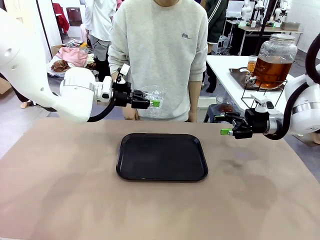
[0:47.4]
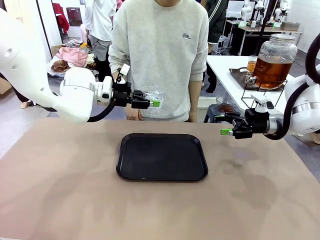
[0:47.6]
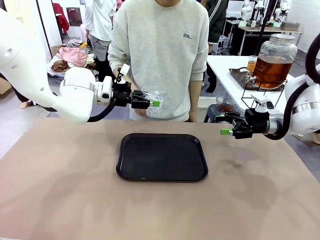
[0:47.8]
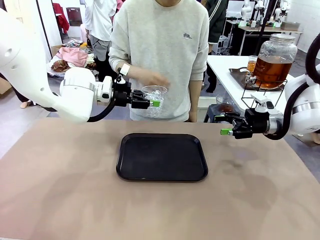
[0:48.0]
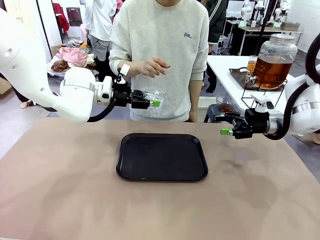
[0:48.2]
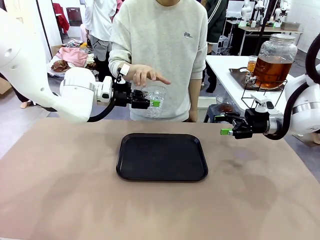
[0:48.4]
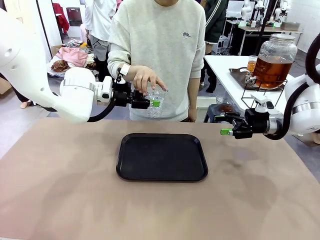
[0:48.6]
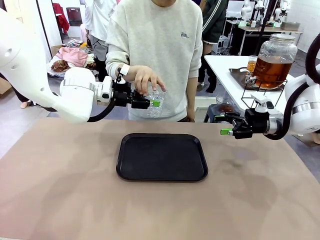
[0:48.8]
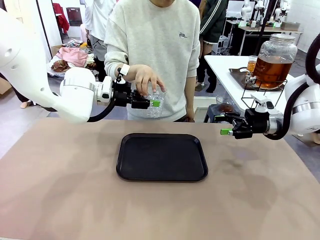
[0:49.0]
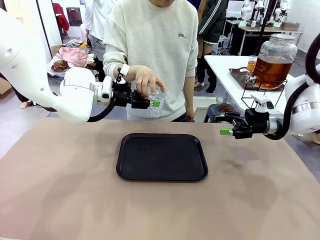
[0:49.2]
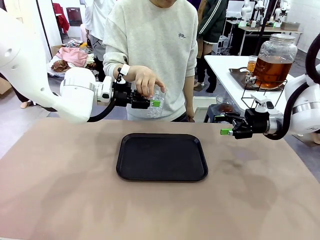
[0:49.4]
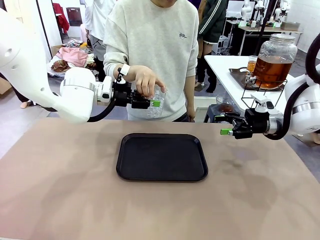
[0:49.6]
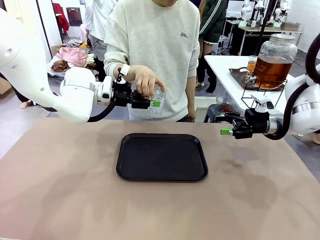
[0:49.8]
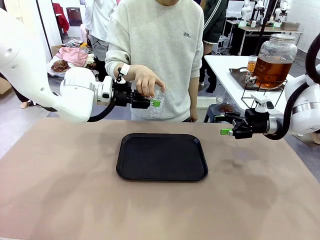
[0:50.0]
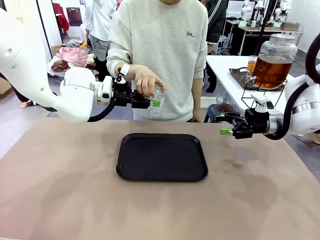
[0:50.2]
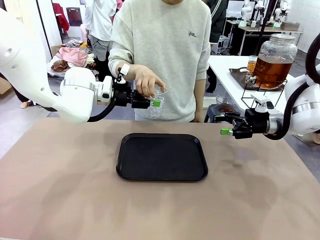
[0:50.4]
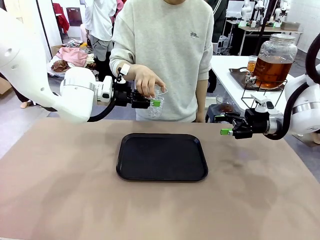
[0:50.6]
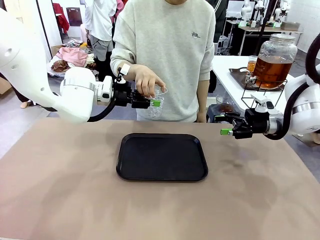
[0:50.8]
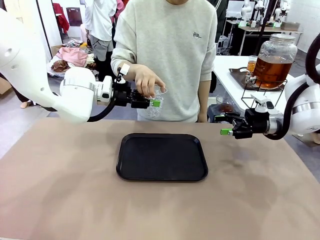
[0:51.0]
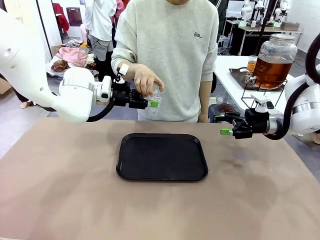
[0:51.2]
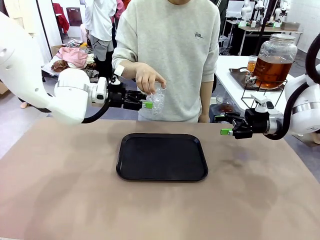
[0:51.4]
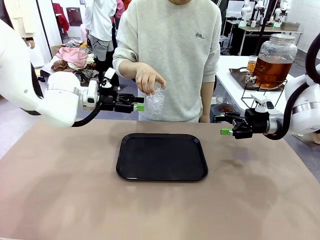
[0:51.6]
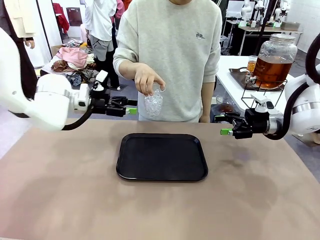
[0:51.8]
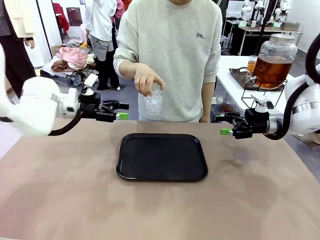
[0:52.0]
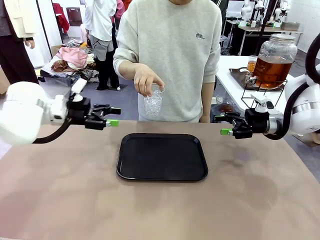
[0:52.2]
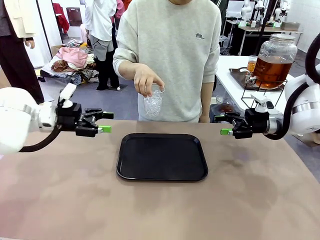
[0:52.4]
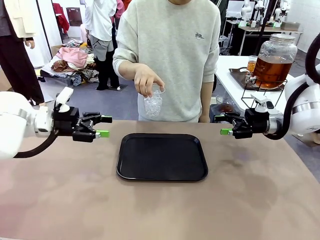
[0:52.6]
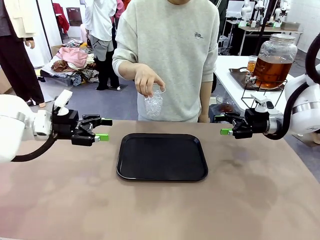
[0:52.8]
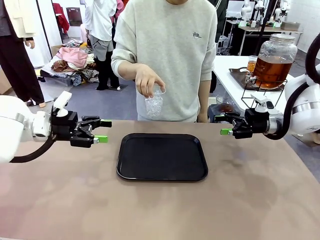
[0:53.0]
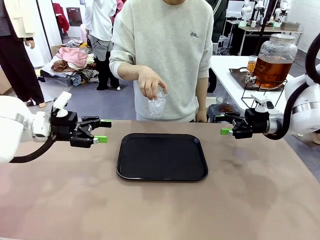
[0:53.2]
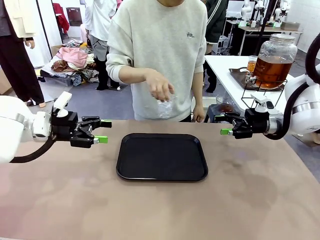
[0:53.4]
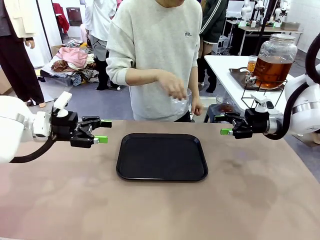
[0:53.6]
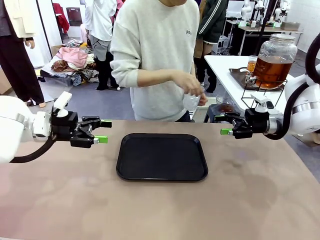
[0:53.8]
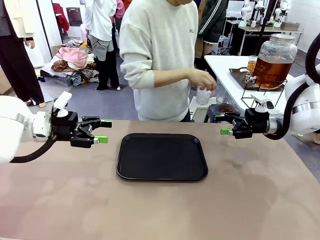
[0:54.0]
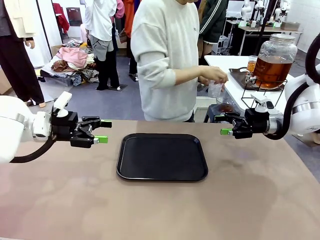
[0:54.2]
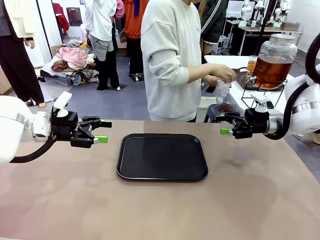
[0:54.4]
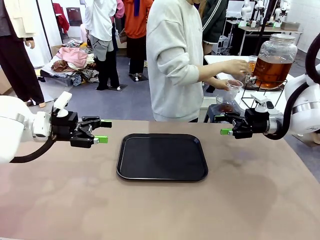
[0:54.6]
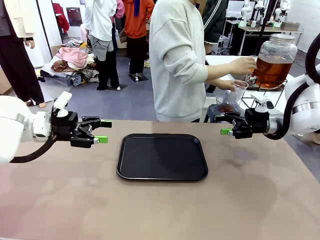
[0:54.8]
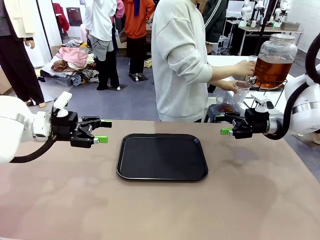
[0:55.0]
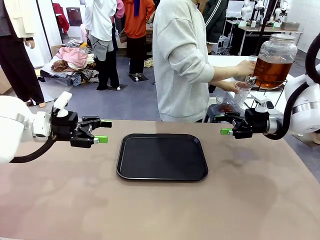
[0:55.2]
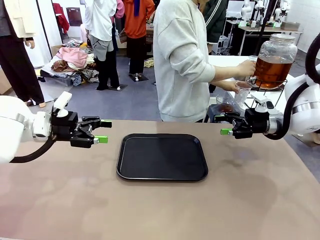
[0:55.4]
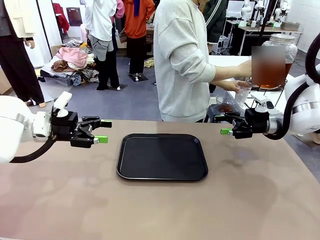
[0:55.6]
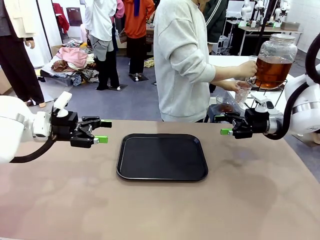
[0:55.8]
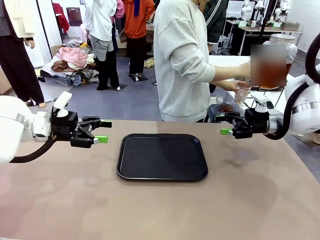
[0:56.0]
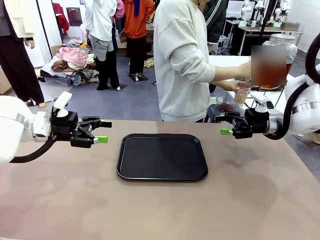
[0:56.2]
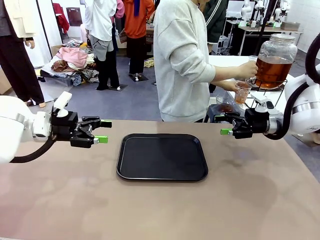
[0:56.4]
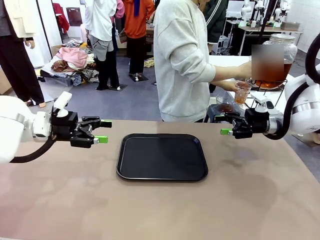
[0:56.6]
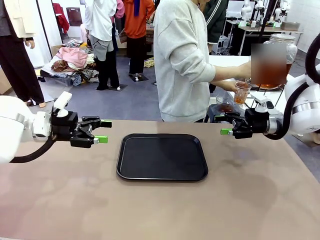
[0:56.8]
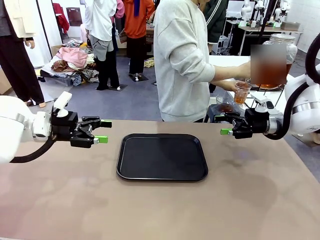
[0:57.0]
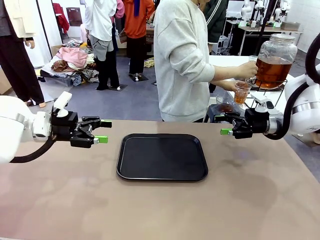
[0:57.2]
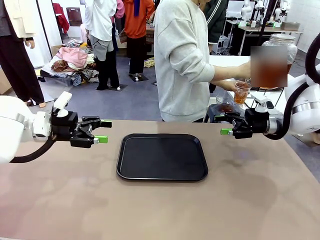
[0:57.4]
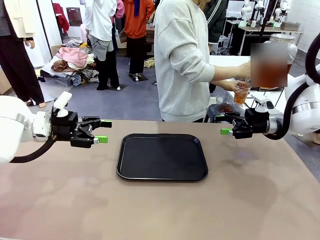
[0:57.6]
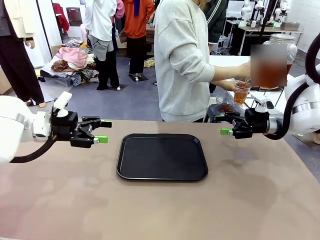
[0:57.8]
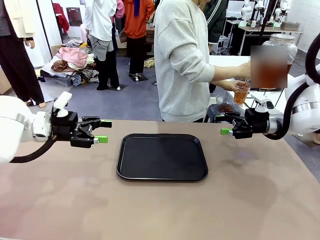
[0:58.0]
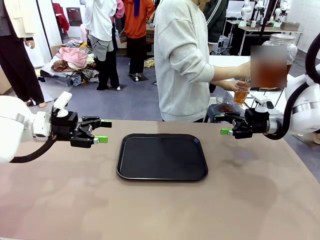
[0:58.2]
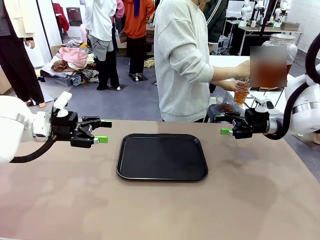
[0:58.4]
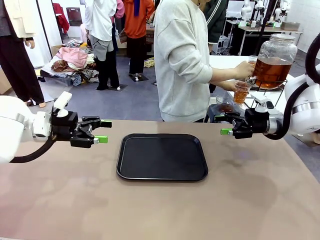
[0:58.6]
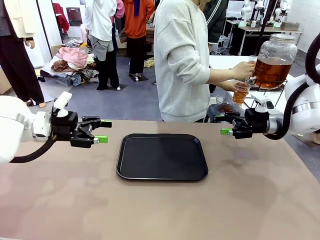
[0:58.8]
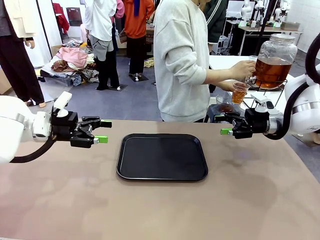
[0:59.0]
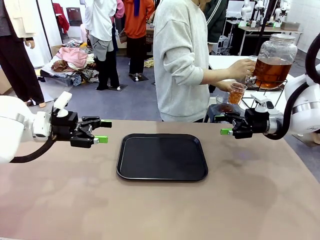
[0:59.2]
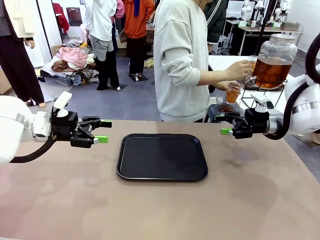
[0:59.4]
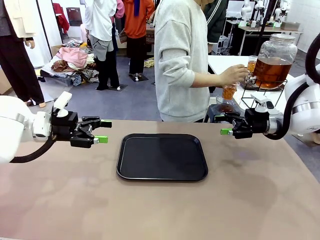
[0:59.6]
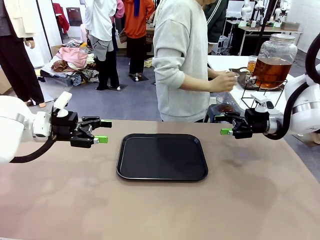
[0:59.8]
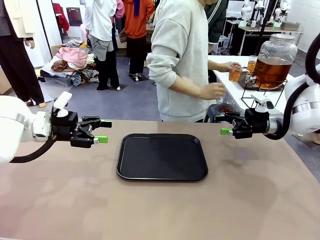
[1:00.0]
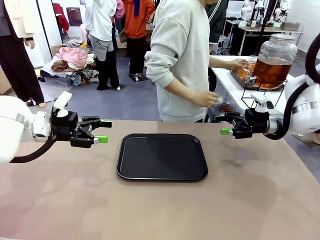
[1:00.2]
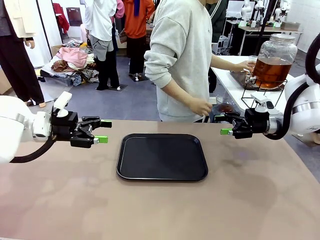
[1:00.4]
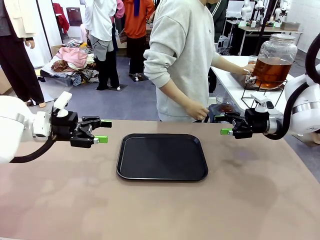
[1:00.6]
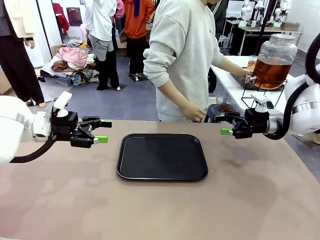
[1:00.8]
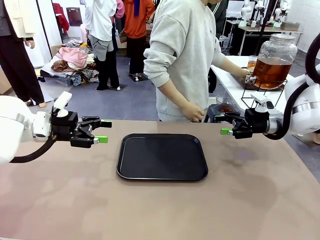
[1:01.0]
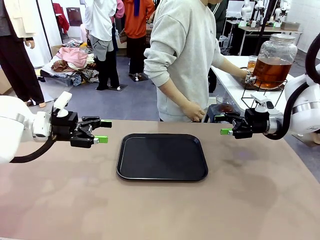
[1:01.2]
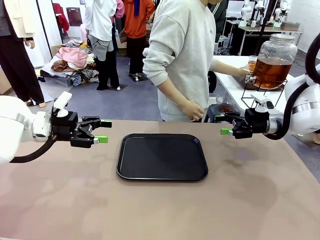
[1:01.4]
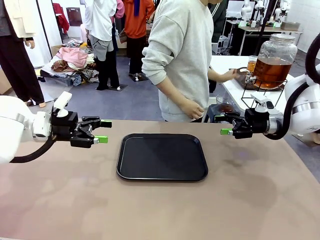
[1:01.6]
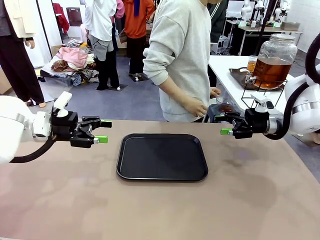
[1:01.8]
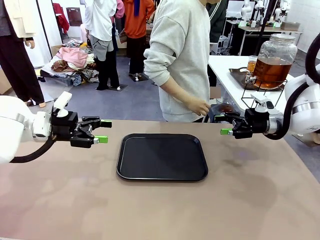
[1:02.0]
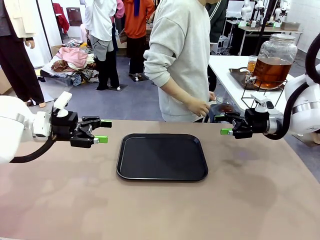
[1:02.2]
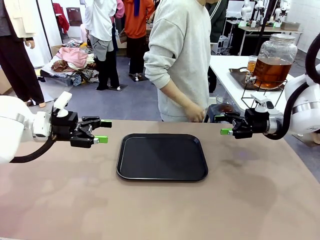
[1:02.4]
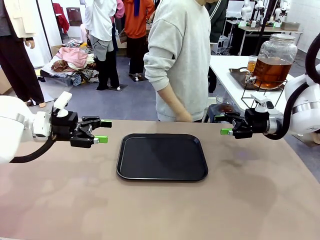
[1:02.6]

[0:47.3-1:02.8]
Task: Pour the drink into the iced cup.
Robot: Open the gripper to release the iced cup you were holding.
Person: Move the picked-up cup under the dispenser faucet, pour the drink, and place it on the tray on the human table.

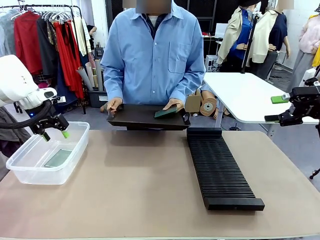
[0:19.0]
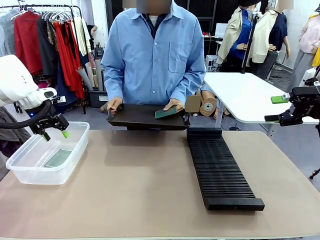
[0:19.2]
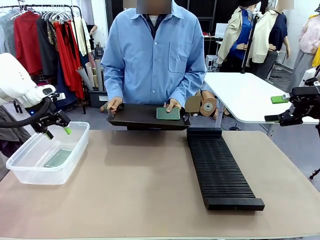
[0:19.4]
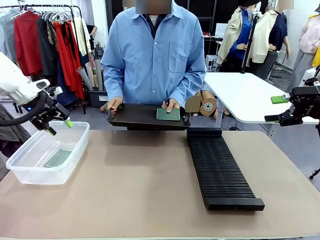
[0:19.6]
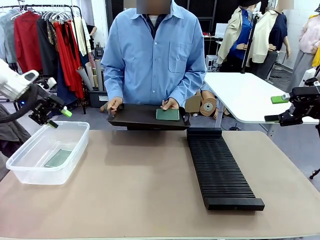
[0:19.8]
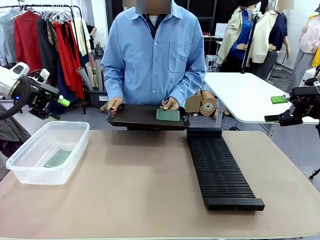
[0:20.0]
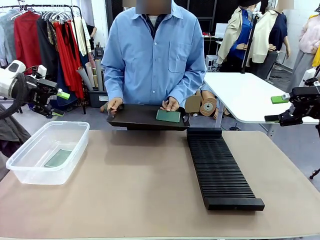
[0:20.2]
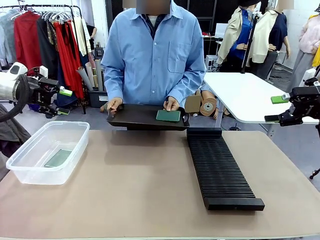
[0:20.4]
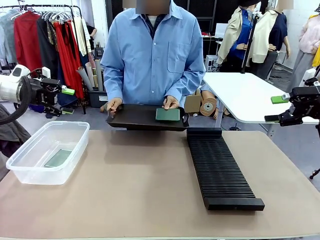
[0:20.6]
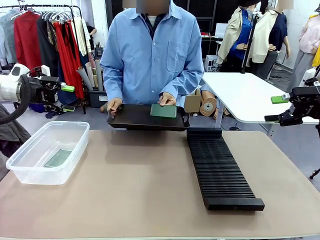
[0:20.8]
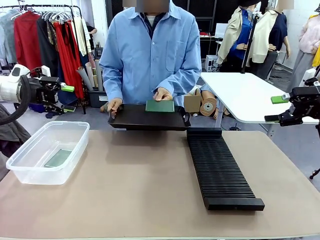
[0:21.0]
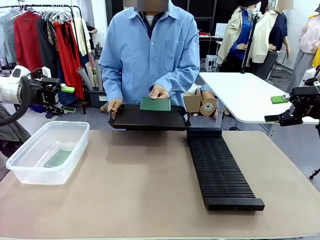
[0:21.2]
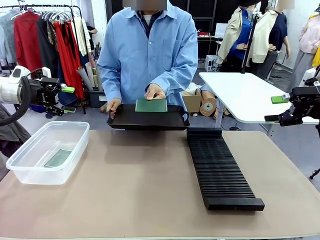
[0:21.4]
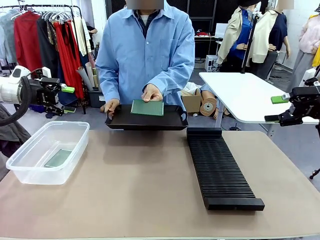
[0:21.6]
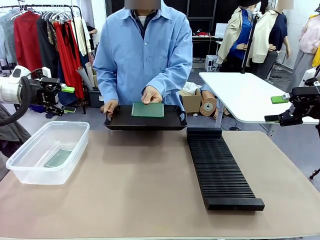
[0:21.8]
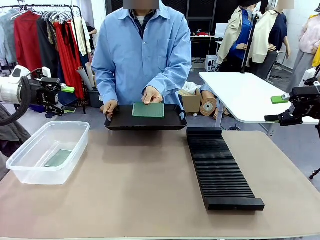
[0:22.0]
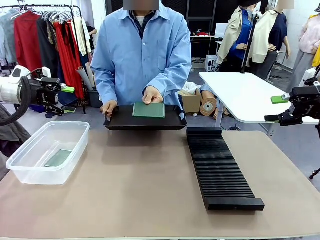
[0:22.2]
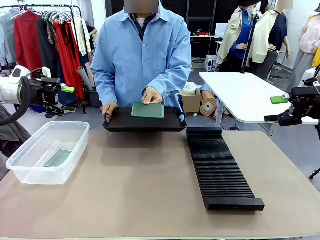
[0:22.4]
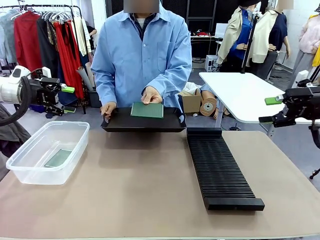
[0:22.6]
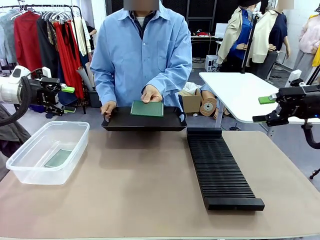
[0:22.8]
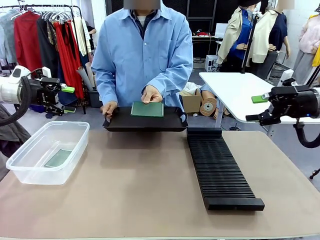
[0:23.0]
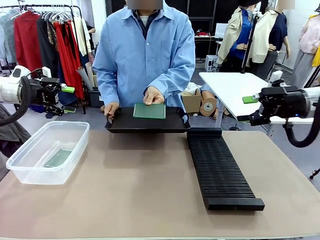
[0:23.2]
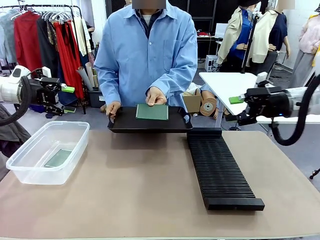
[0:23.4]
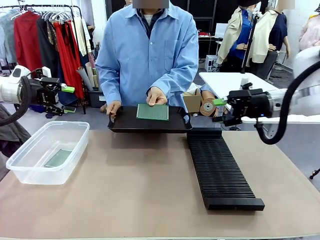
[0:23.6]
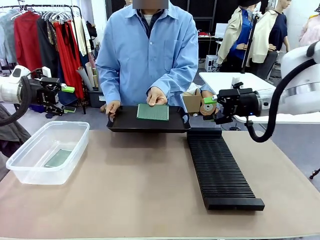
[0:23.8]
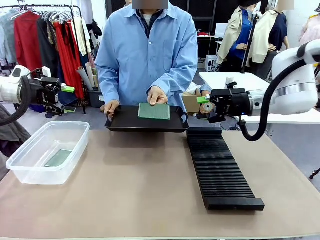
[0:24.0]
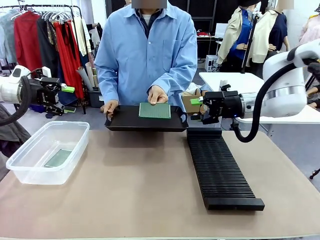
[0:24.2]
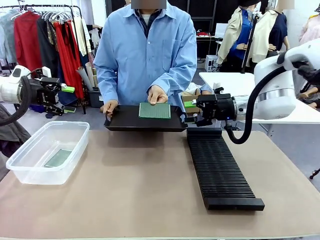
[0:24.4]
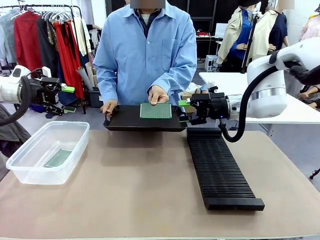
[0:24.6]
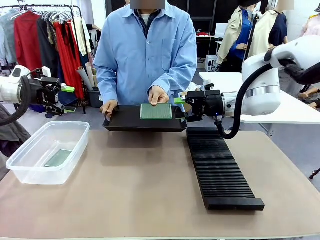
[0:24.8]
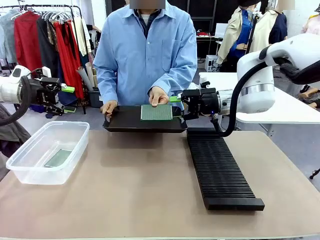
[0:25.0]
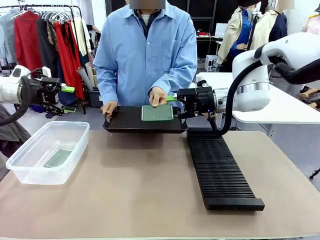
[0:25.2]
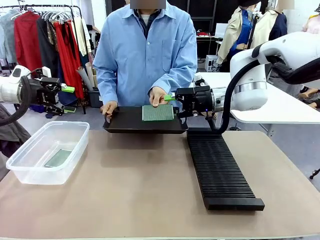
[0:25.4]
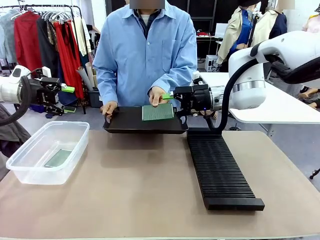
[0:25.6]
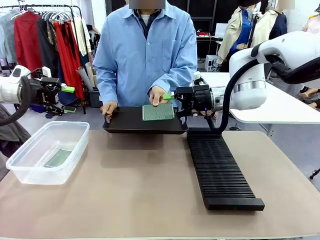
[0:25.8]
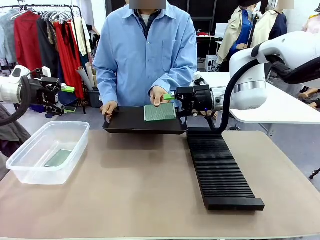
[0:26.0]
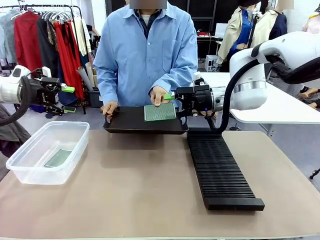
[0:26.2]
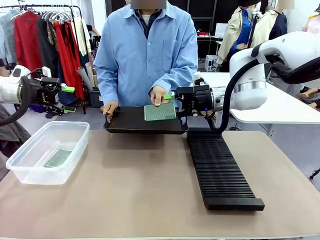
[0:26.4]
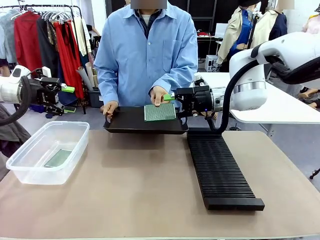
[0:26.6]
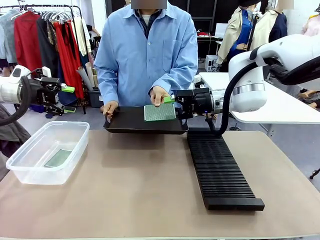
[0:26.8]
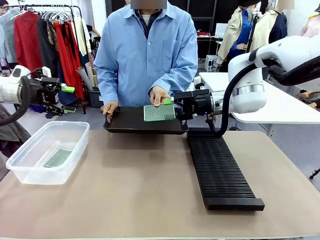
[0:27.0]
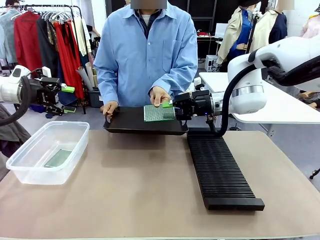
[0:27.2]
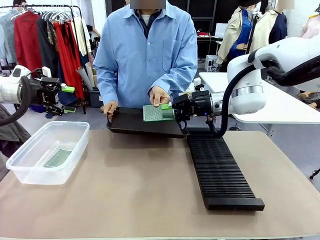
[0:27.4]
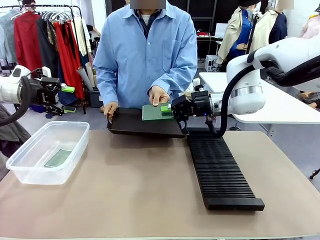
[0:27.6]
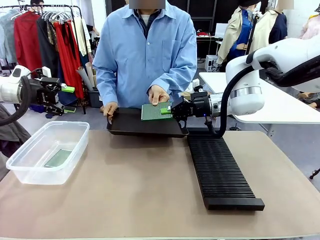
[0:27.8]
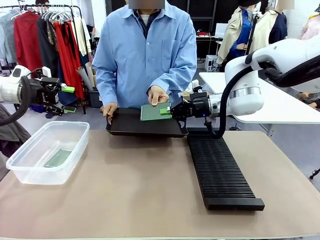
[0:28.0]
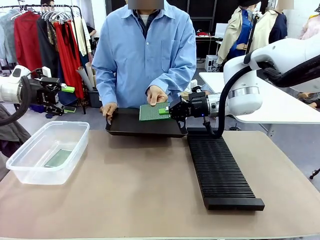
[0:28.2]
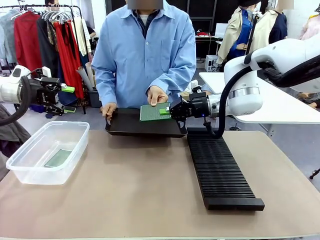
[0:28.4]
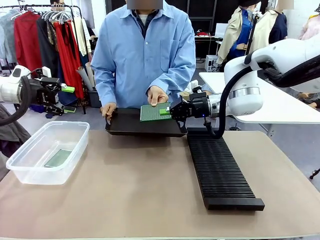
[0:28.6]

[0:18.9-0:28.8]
Task: Sort PCBs into racks and boxes based on the side picked up.
Robot: Pick up the Blank PCB handed by the Human.
